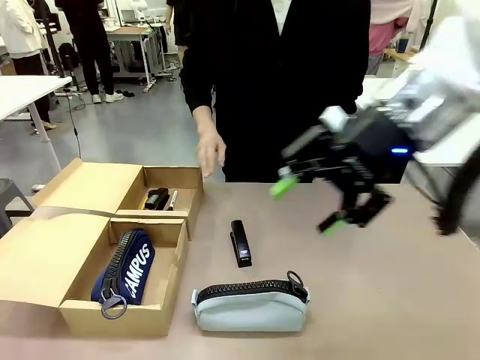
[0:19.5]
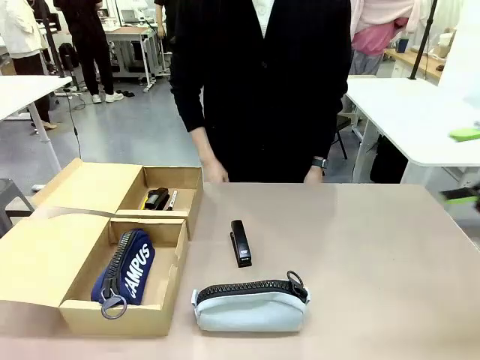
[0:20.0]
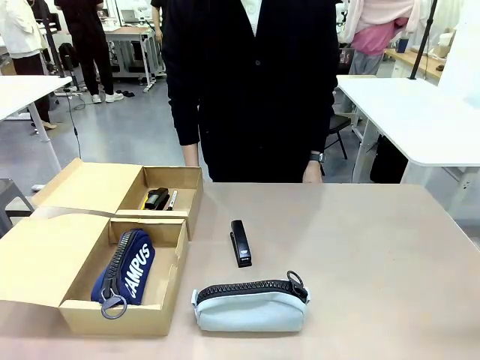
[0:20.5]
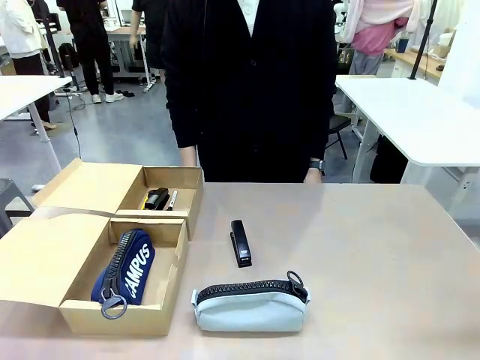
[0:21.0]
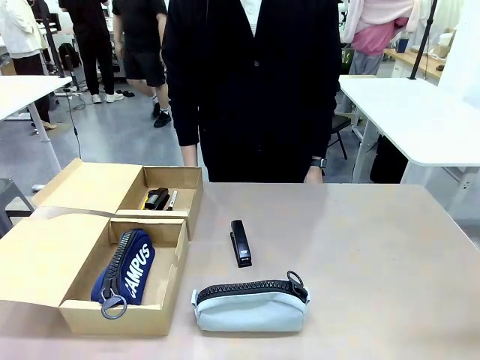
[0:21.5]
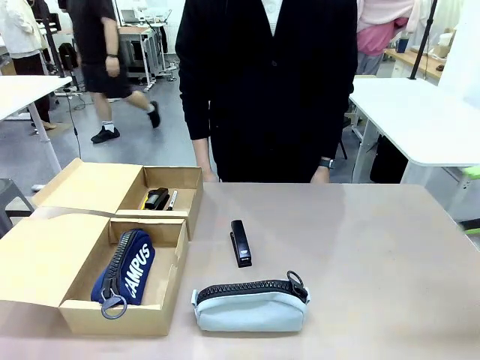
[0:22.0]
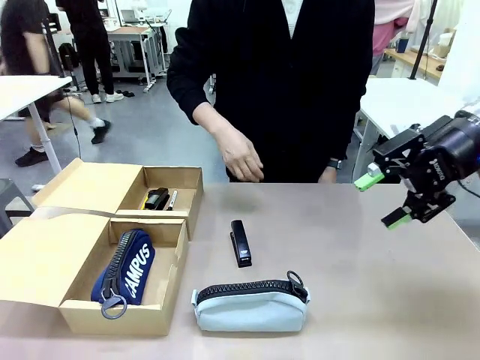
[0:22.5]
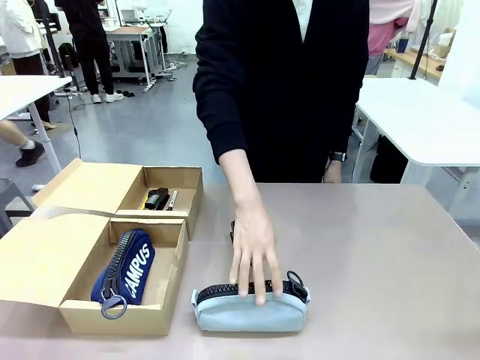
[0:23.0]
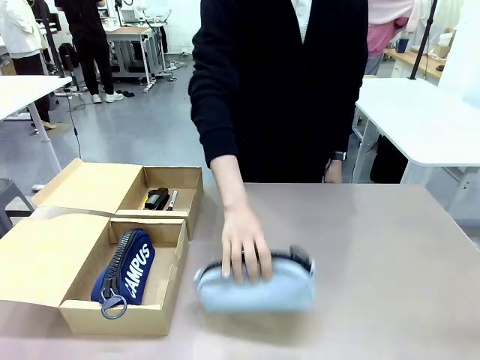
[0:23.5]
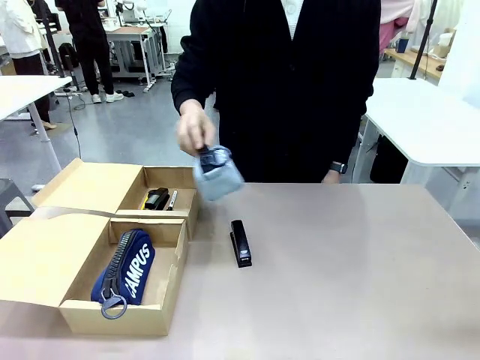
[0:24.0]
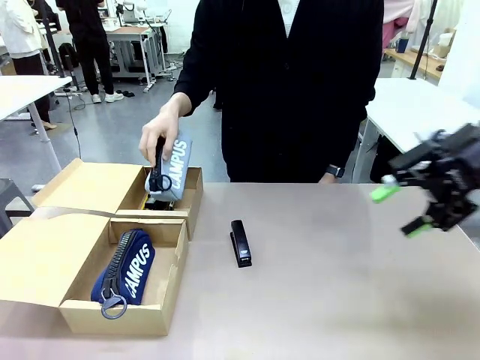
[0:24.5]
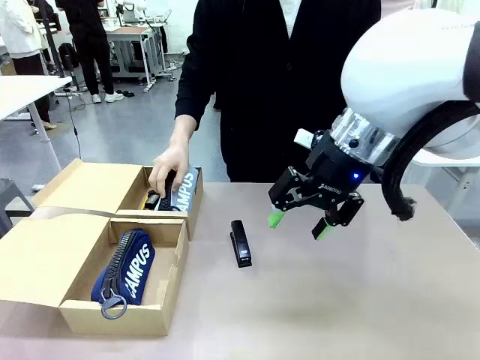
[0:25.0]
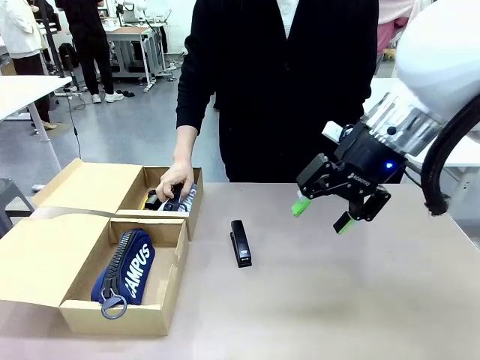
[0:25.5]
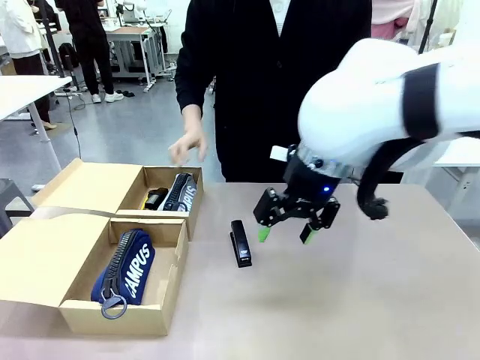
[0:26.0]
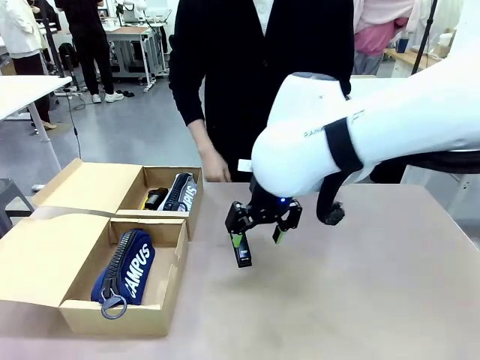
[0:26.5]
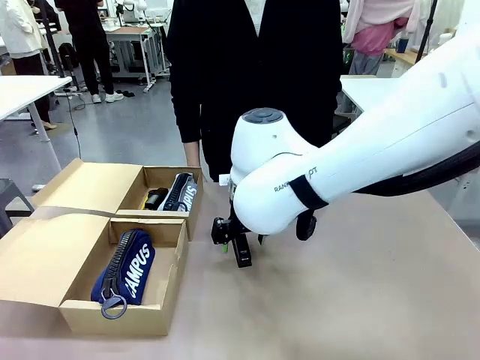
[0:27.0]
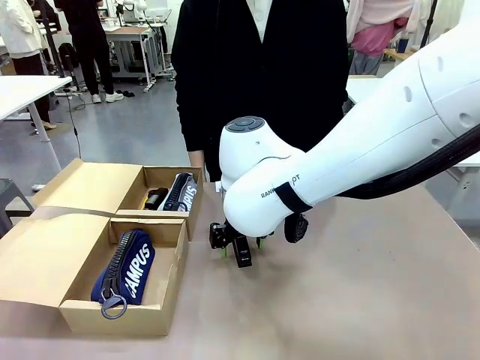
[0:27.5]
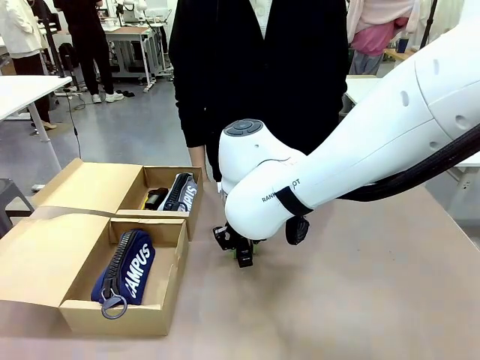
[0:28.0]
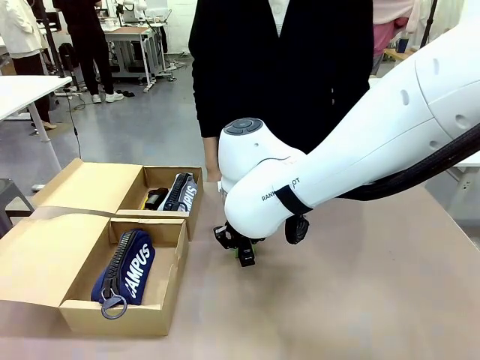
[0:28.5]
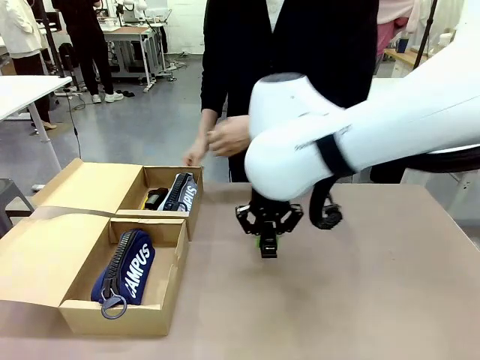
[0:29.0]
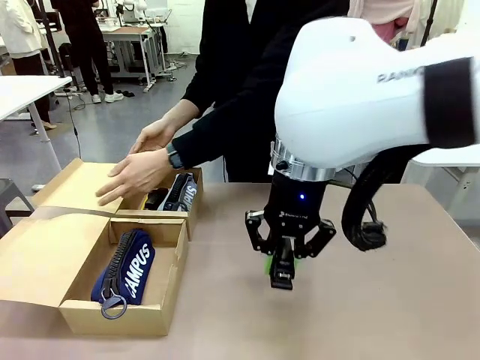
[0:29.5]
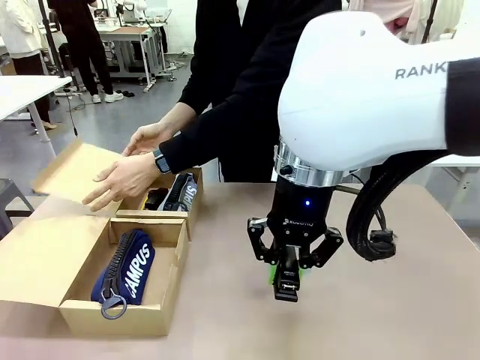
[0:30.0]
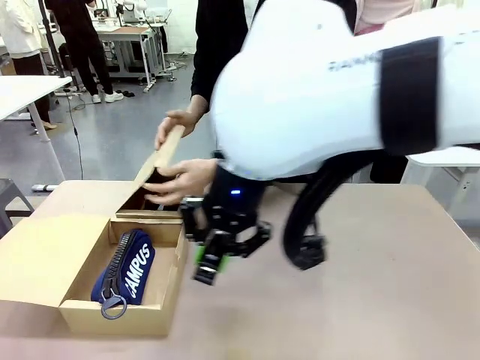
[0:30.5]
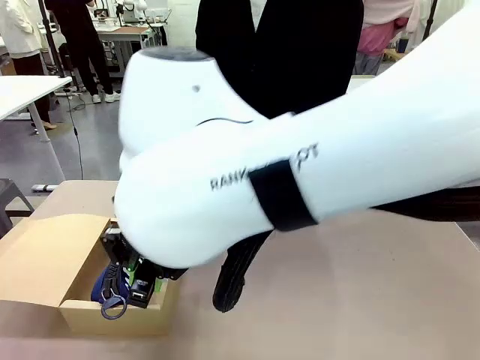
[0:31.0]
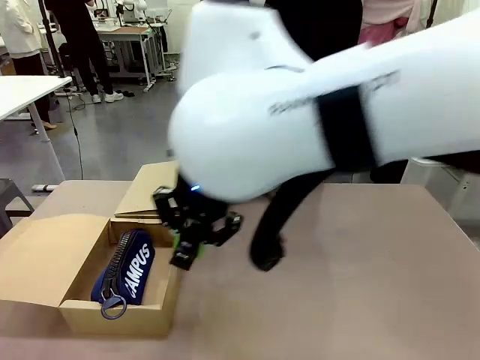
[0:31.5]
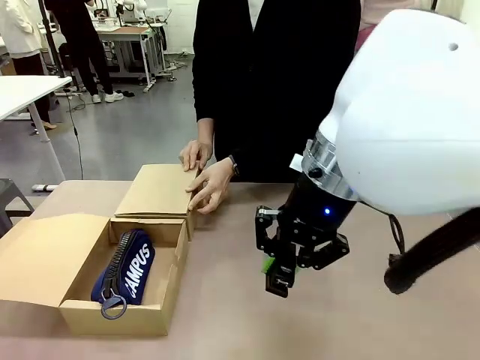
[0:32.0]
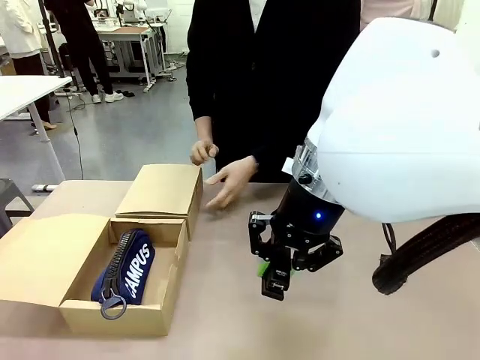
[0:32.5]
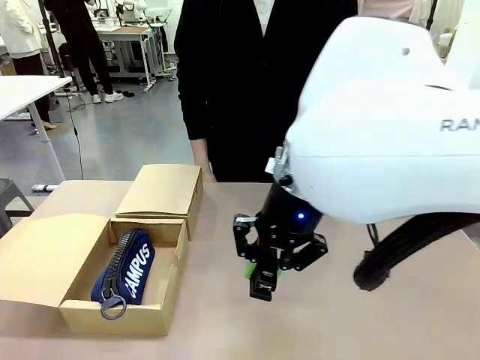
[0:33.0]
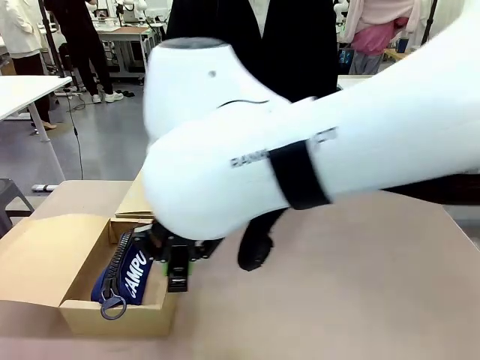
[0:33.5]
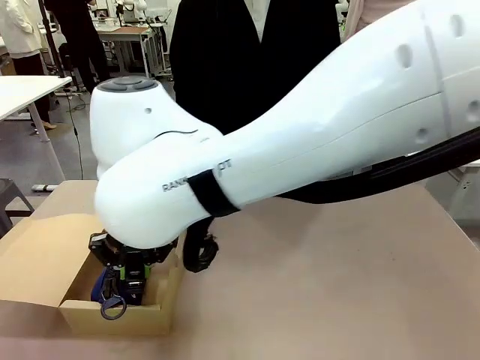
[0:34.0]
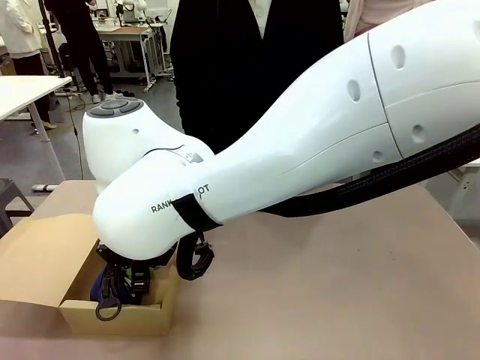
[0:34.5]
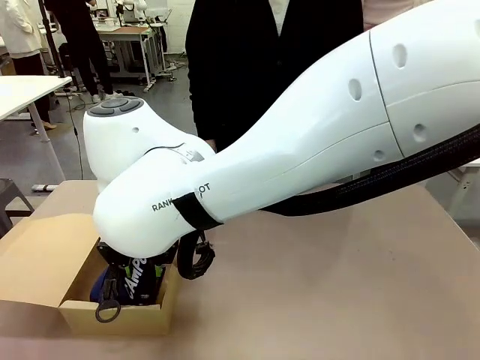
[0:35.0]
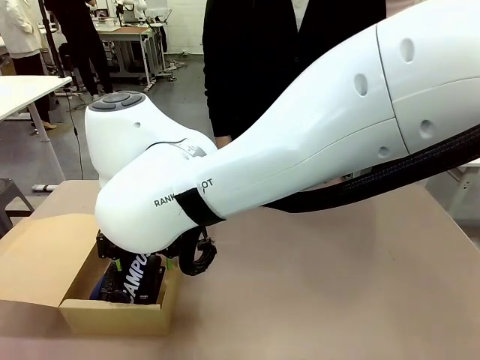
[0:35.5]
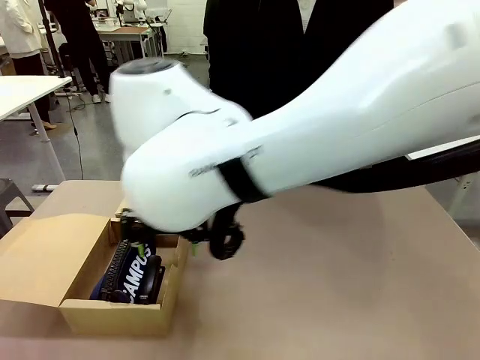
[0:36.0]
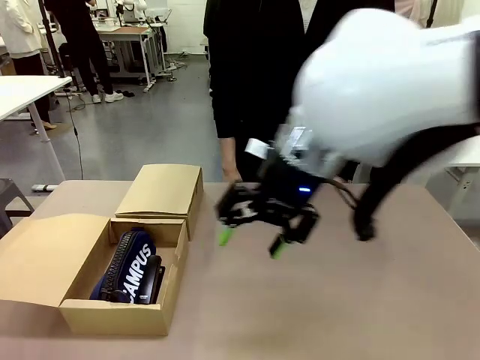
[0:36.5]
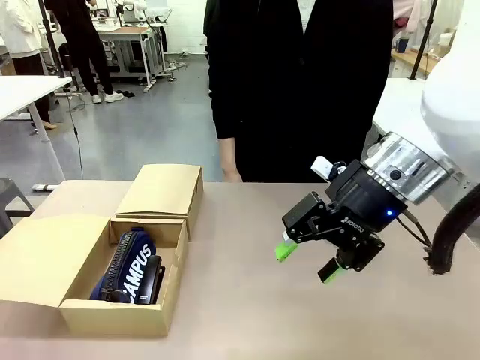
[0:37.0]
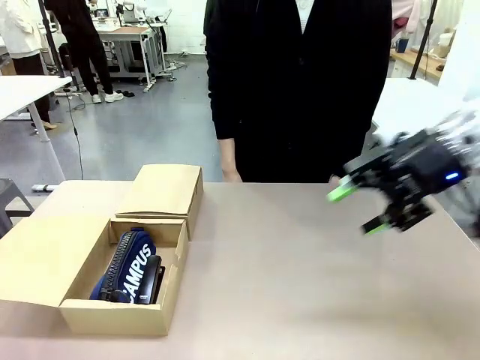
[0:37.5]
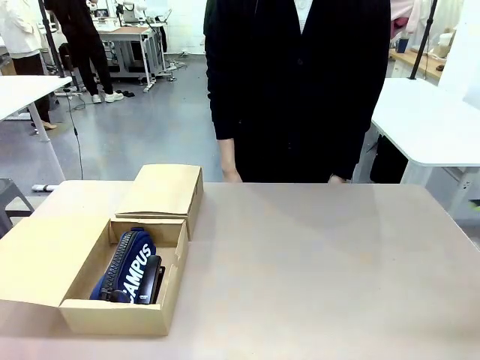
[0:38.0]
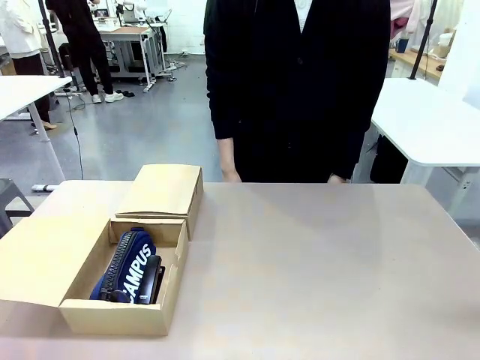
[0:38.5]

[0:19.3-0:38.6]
Task: Place items inside the box.
Robot: Pick up a Pencil pouch or Stapler and place it inside the Mailer Box closest to the robot.

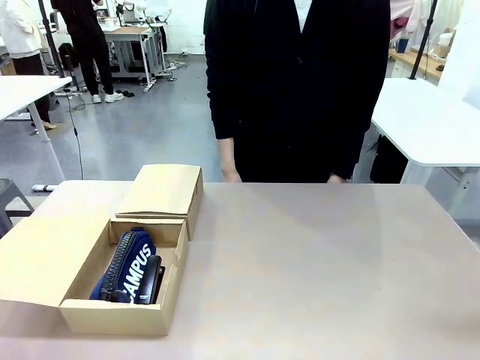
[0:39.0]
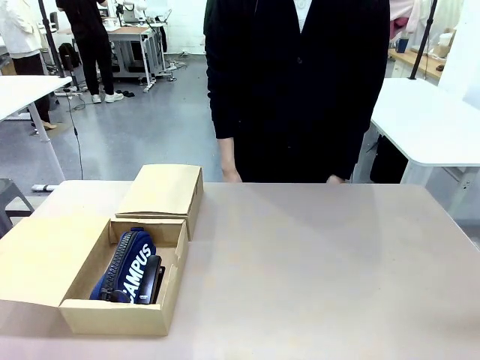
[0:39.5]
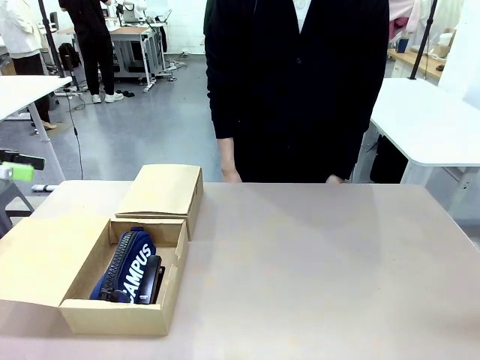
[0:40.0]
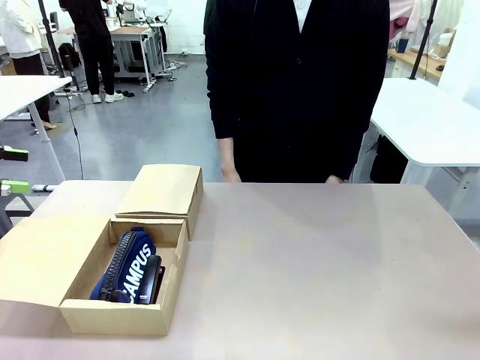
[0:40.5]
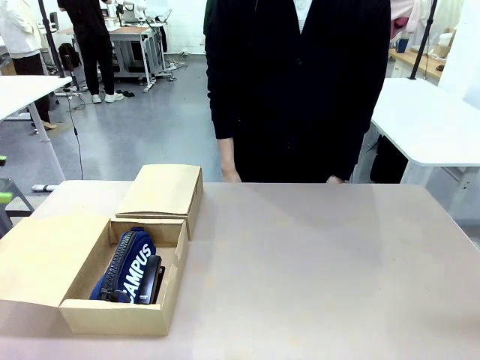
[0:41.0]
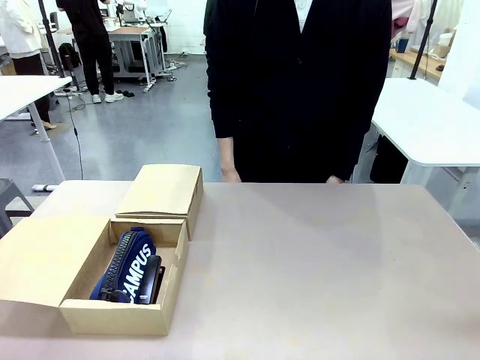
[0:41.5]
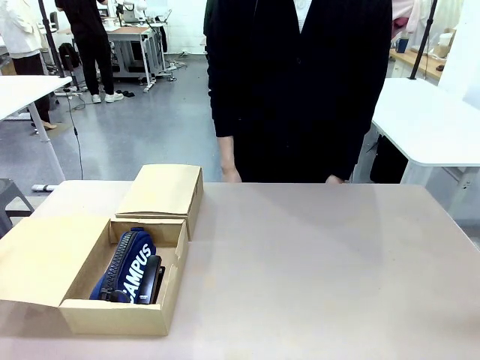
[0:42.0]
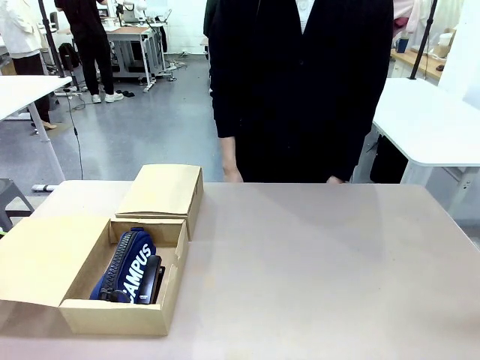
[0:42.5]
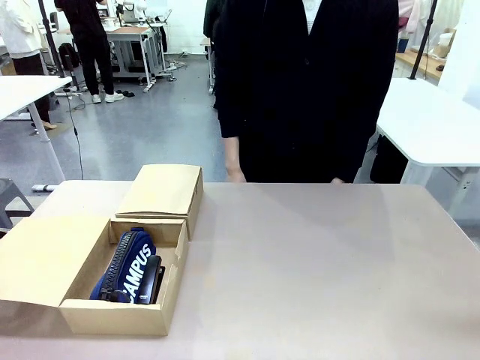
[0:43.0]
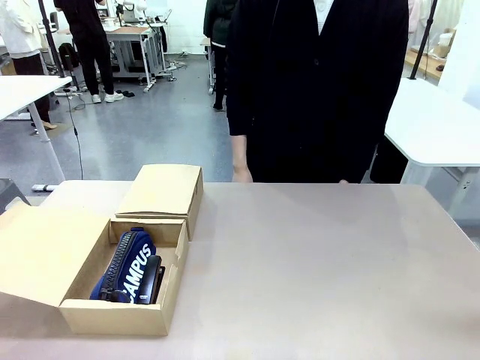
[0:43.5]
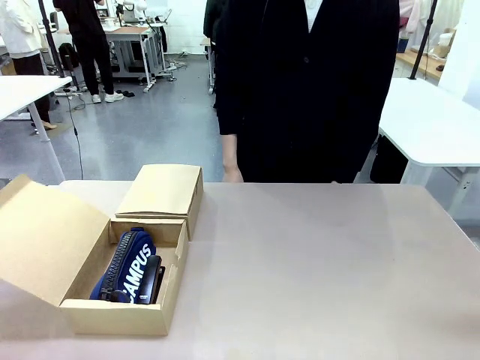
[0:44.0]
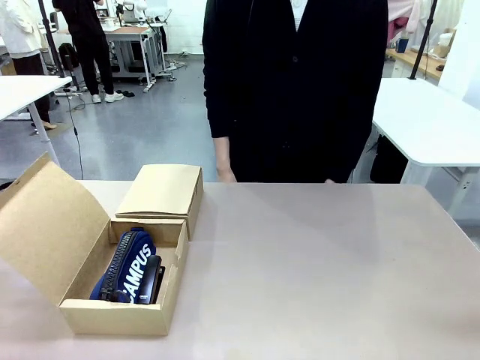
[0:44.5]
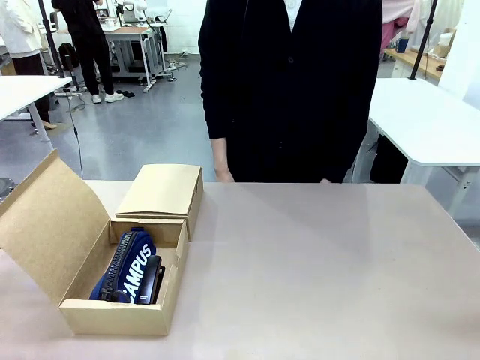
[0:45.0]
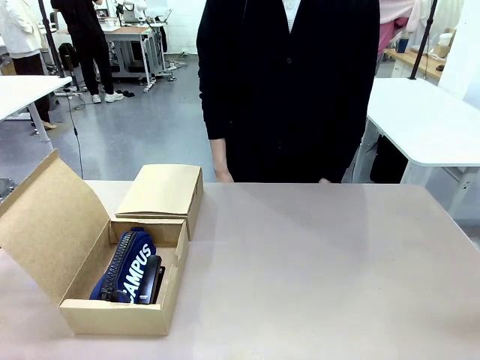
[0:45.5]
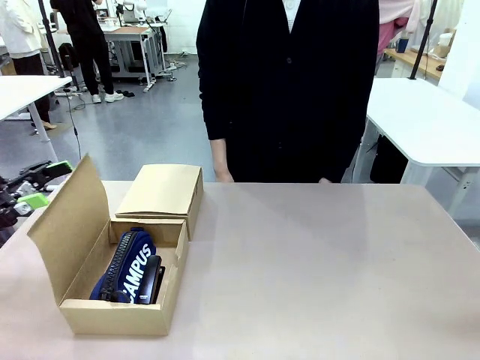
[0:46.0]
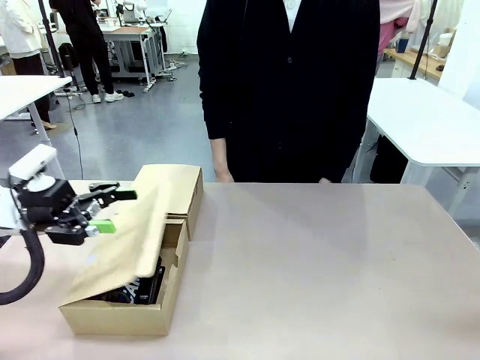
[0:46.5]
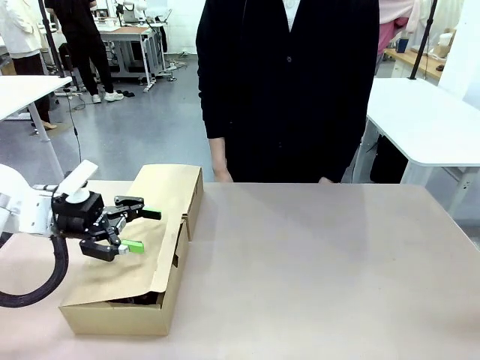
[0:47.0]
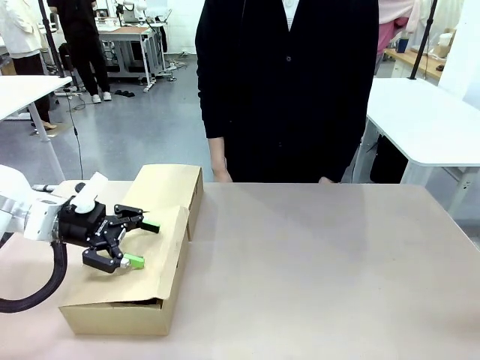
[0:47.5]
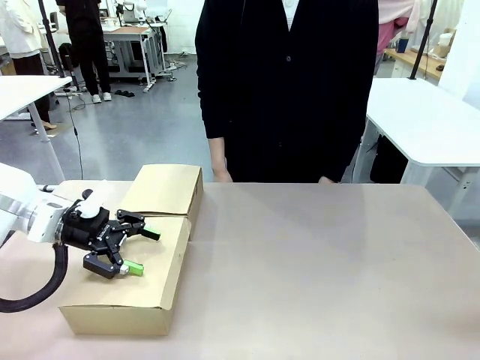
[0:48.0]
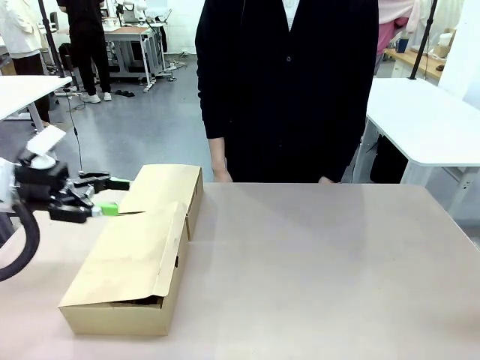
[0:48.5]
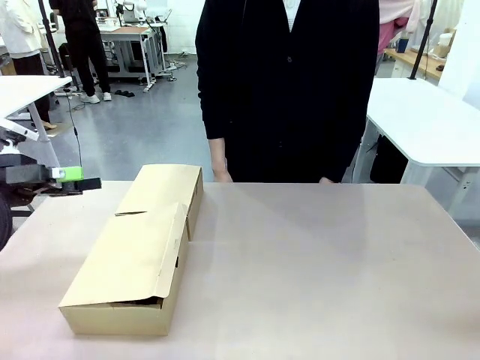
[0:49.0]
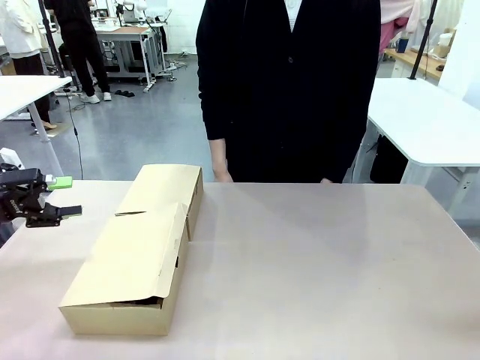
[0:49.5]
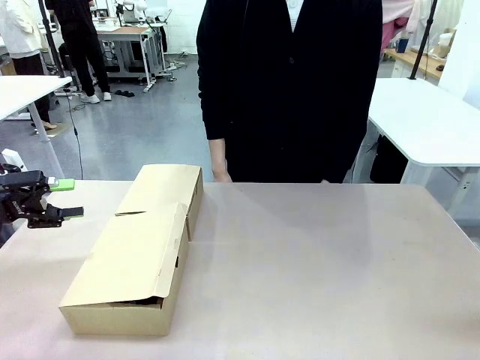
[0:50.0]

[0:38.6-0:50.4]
Robot: Close the lid of the Mailer Box closest to the robot.
Person: Close the lid of the box facing the person.
